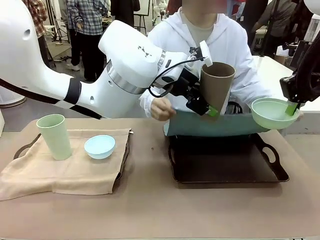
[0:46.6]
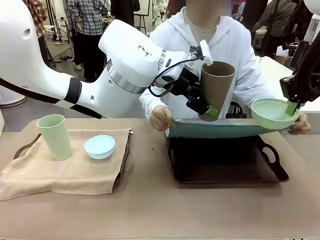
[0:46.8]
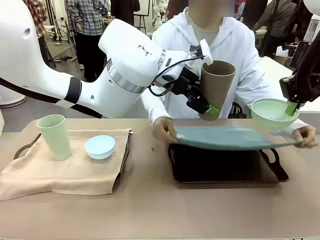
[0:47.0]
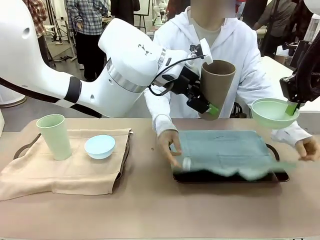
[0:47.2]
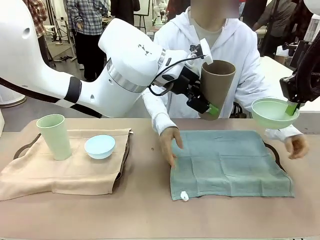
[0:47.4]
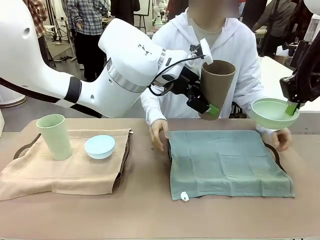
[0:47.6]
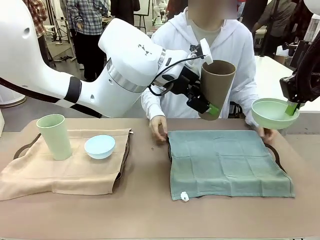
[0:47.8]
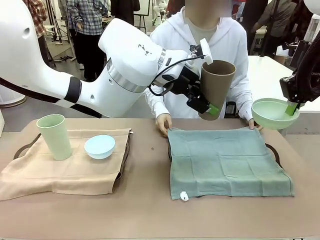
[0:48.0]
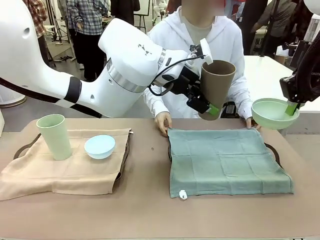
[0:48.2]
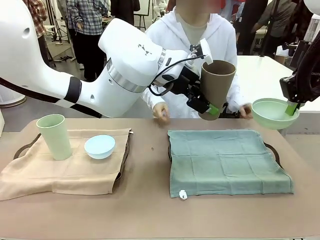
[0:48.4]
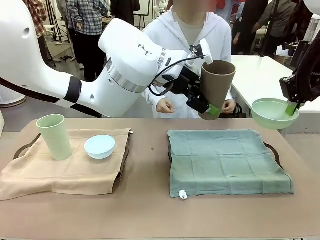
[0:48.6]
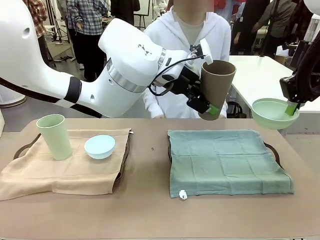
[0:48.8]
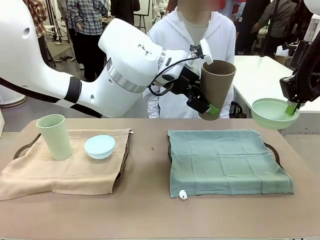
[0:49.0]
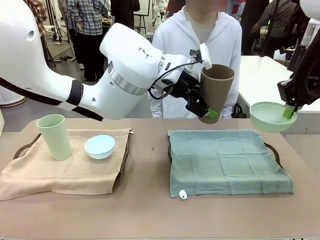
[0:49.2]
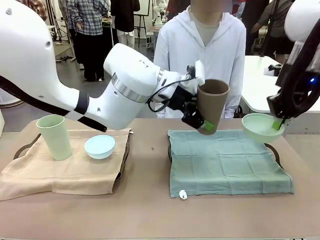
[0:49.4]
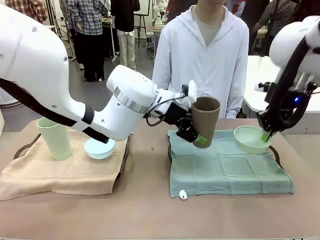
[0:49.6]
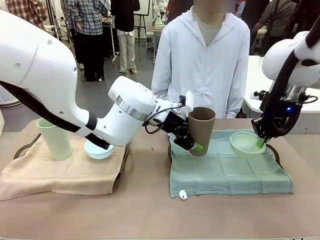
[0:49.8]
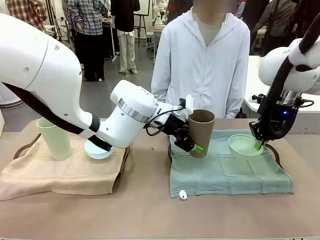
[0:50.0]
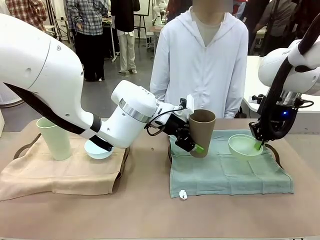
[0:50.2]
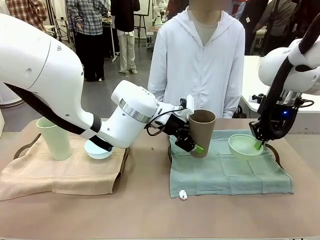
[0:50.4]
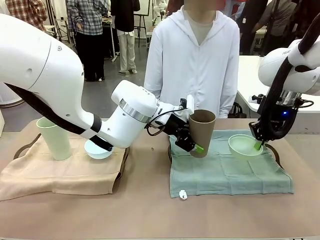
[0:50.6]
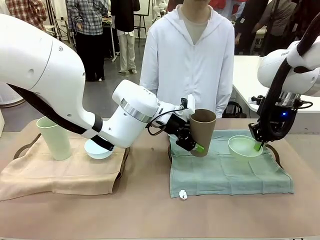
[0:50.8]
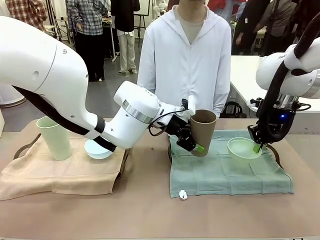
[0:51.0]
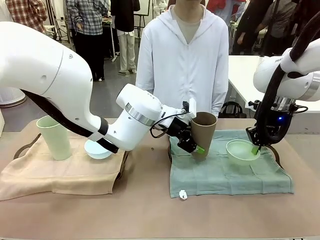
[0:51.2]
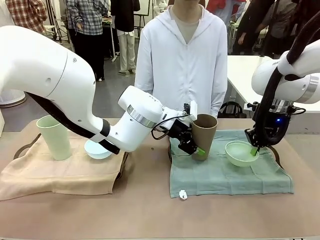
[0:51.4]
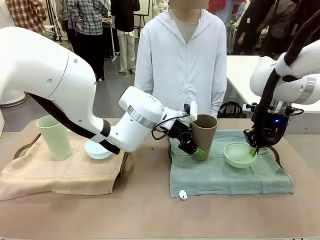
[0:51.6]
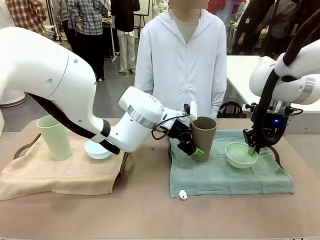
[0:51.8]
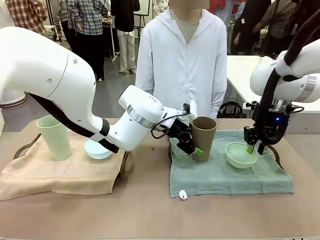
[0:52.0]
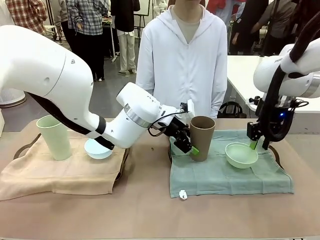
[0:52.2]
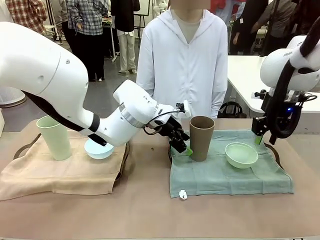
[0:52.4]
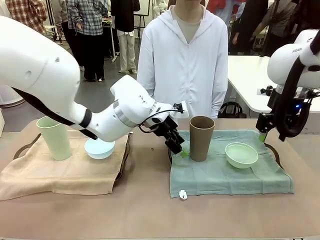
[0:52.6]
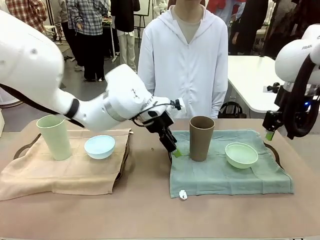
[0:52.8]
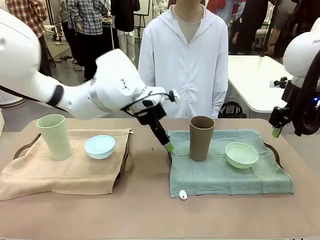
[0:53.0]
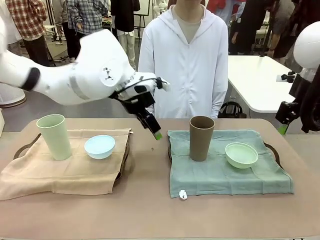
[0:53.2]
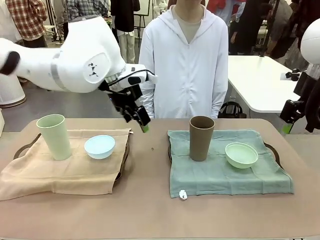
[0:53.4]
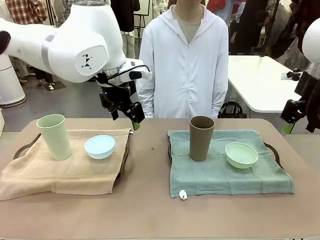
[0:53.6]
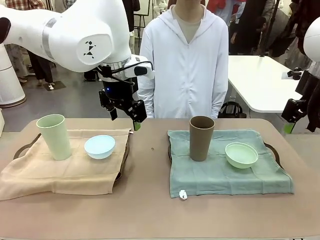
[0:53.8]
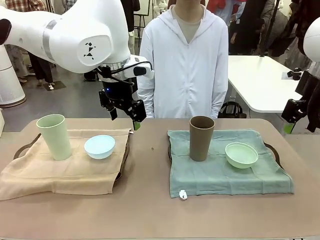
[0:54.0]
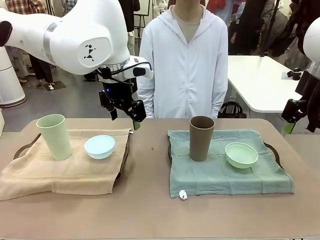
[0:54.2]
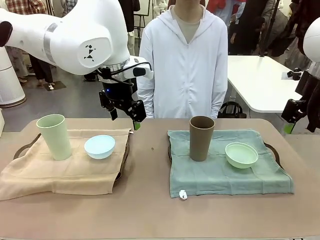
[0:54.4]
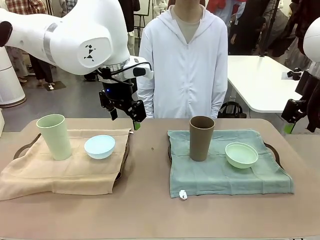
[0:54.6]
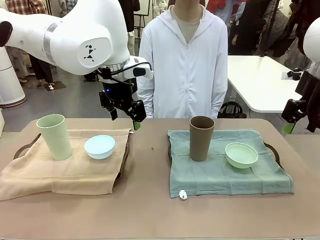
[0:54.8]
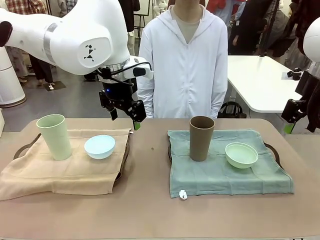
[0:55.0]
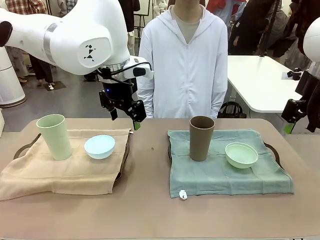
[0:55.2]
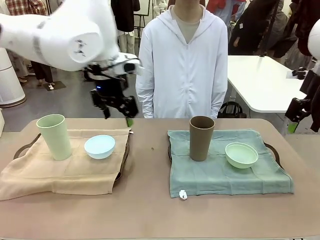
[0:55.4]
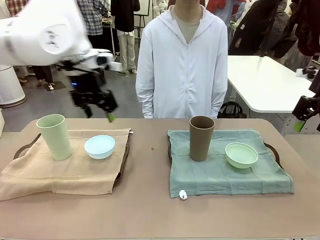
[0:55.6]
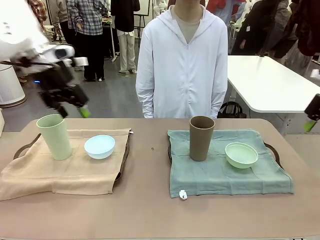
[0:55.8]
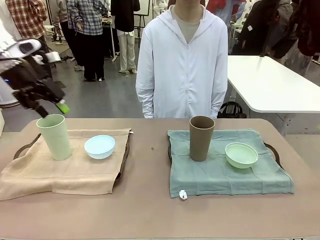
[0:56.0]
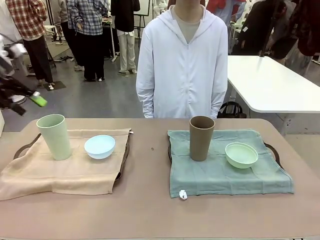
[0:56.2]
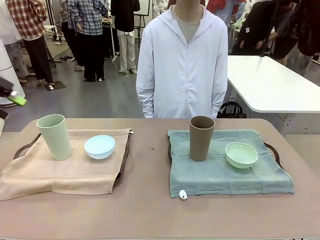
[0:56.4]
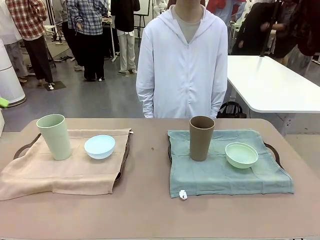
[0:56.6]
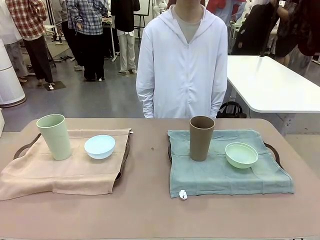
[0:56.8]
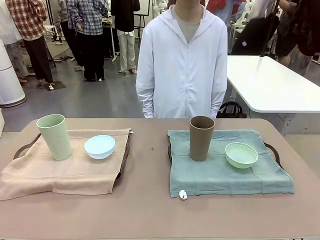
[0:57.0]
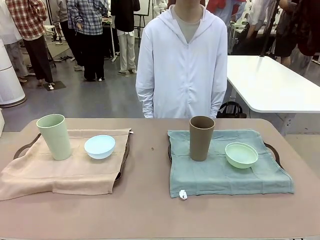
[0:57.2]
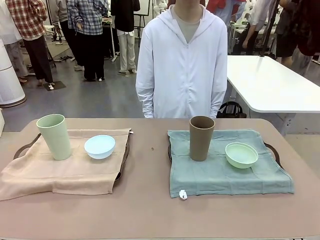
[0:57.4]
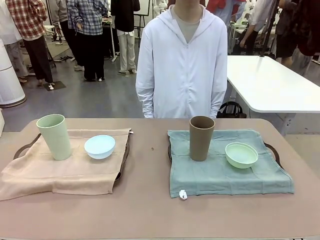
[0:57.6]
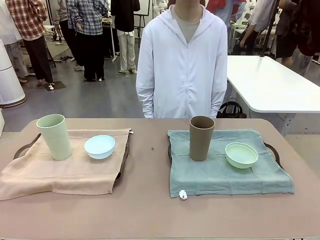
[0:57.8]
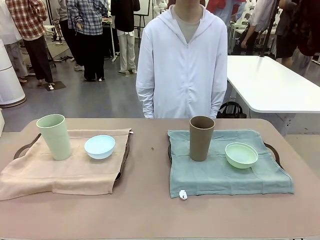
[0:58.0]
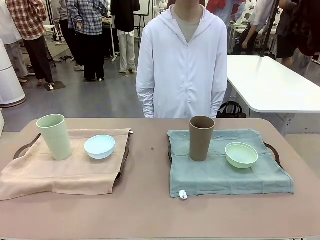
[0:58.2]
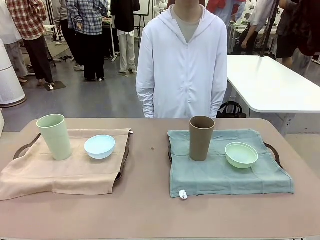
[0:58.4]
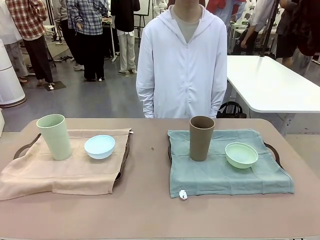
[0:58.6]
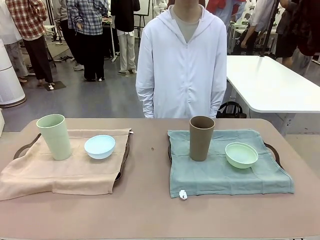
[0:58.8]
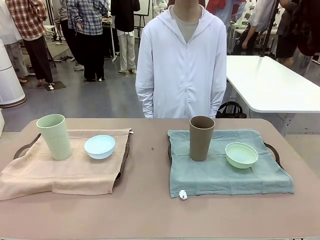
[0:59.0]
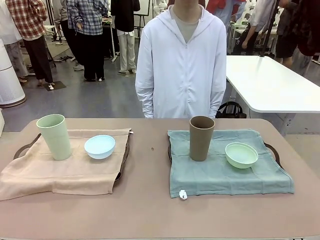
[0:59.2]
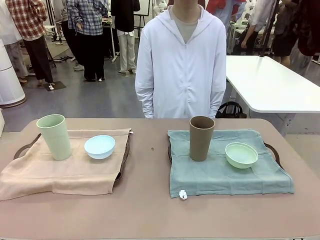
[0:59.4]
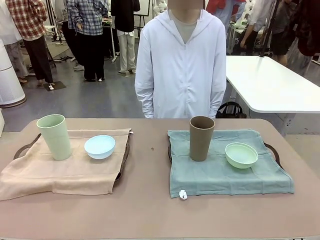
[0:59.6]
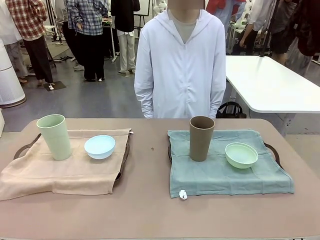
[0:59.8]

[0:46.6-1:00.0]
Robot: Place the Picnic Bowl and Reusable plastic cup back onto the Handle tray in front of the human's position.
Person: When the robot lifts the bowl and the cup, the human unfolds the napkin and lays the napkin flat on the tray.

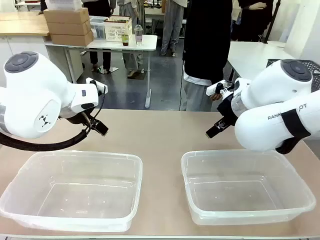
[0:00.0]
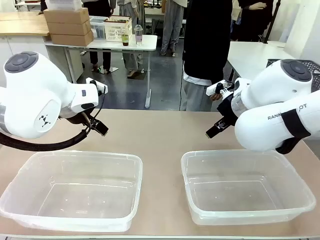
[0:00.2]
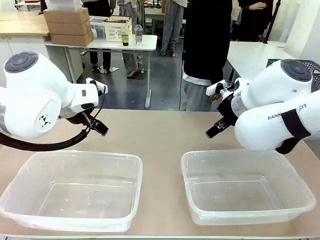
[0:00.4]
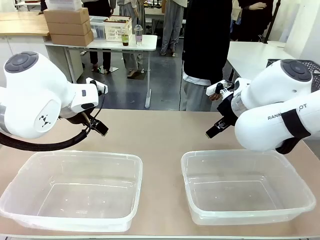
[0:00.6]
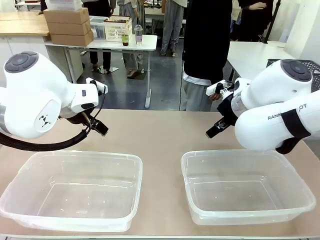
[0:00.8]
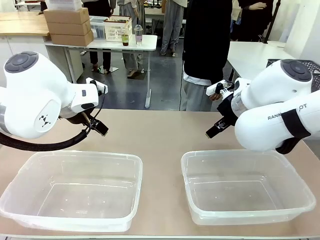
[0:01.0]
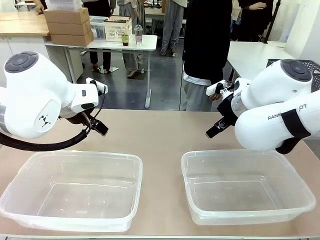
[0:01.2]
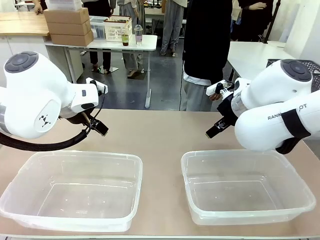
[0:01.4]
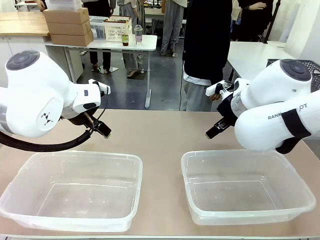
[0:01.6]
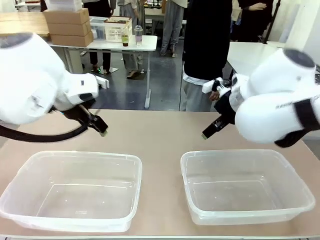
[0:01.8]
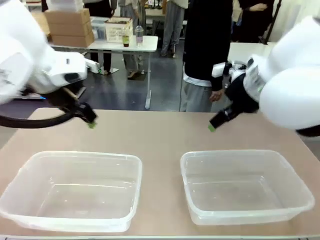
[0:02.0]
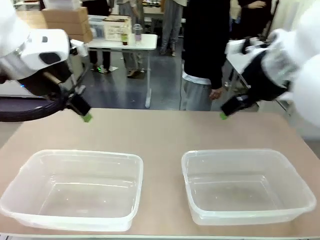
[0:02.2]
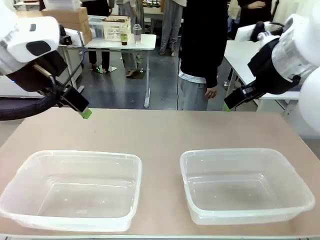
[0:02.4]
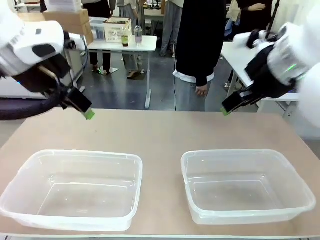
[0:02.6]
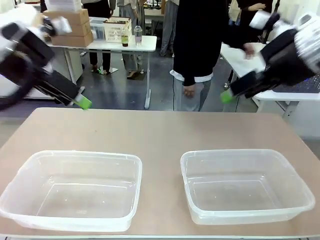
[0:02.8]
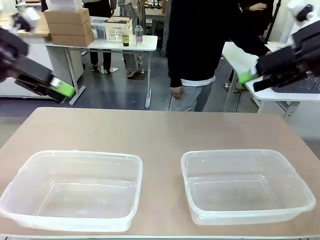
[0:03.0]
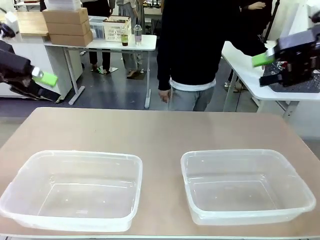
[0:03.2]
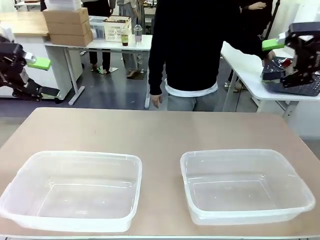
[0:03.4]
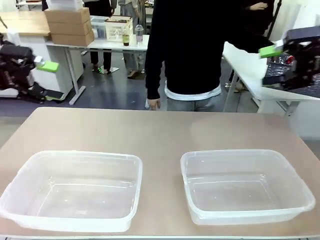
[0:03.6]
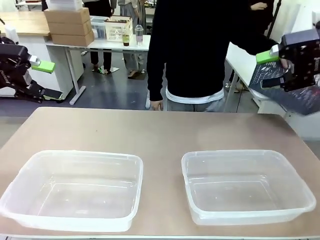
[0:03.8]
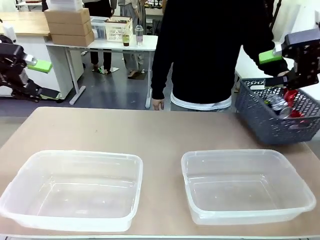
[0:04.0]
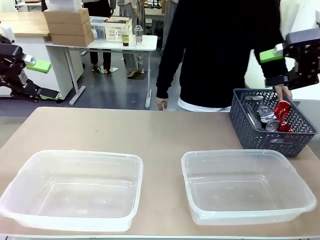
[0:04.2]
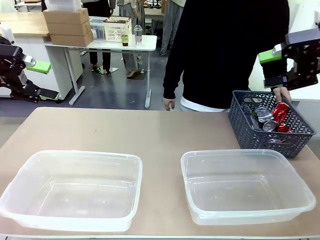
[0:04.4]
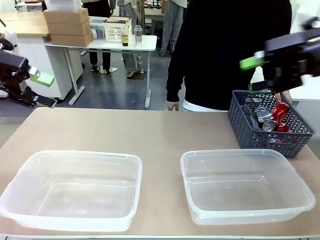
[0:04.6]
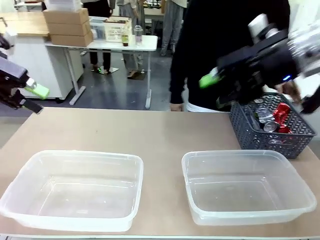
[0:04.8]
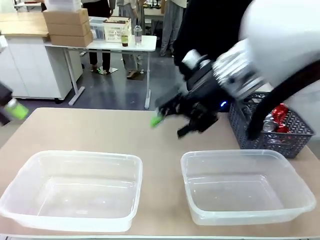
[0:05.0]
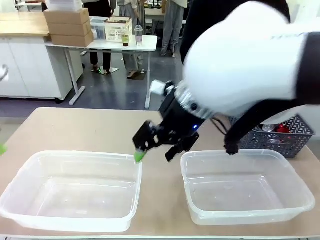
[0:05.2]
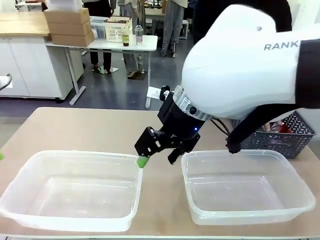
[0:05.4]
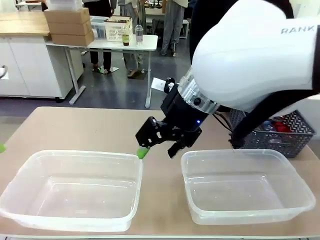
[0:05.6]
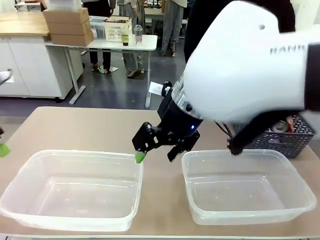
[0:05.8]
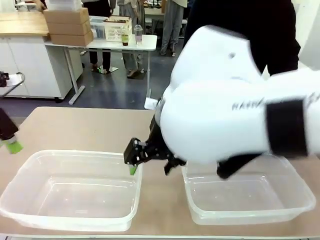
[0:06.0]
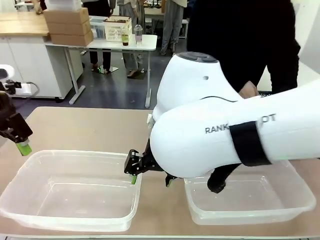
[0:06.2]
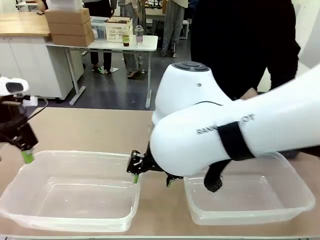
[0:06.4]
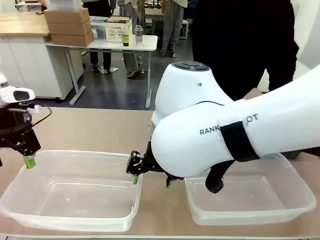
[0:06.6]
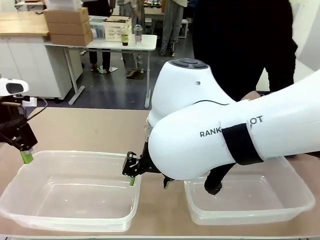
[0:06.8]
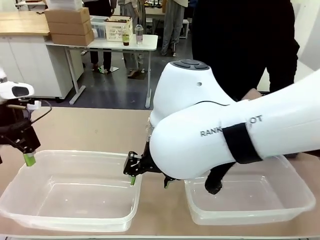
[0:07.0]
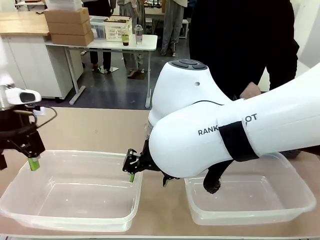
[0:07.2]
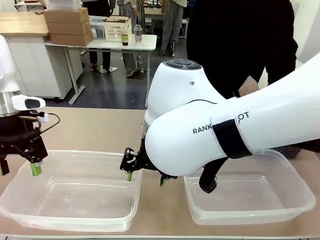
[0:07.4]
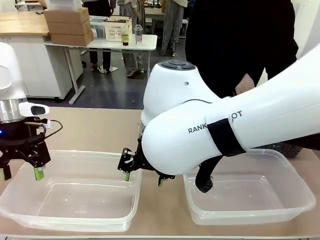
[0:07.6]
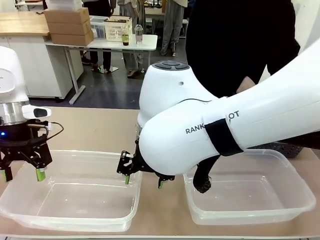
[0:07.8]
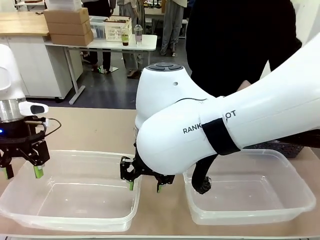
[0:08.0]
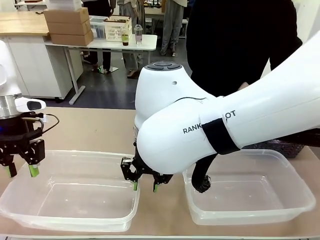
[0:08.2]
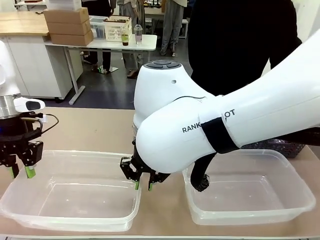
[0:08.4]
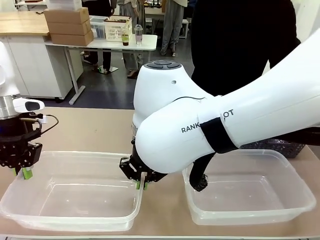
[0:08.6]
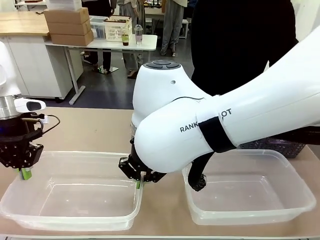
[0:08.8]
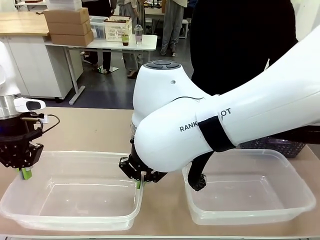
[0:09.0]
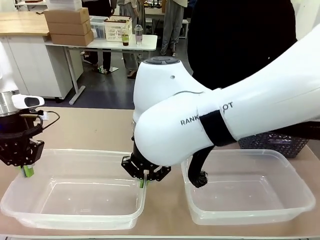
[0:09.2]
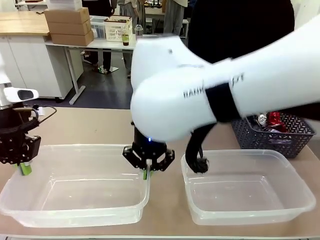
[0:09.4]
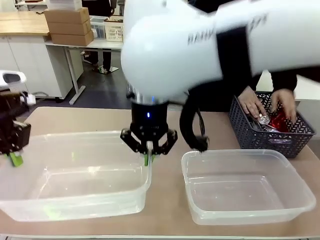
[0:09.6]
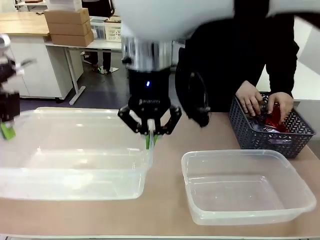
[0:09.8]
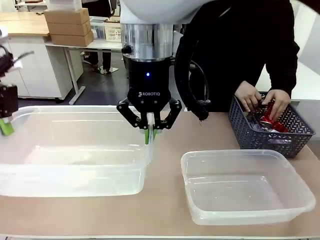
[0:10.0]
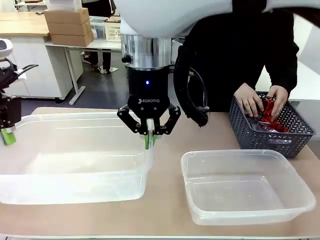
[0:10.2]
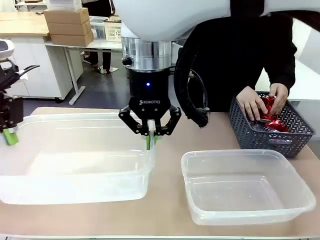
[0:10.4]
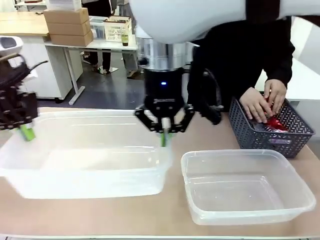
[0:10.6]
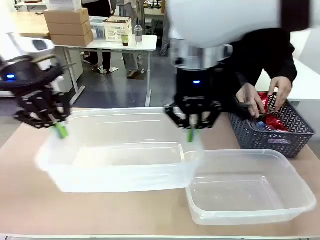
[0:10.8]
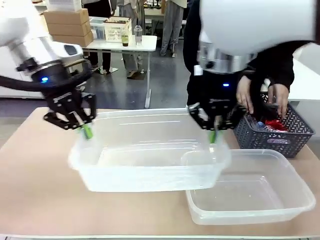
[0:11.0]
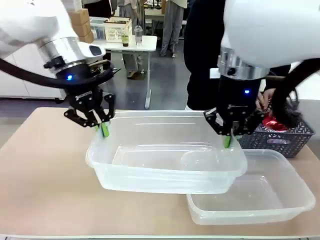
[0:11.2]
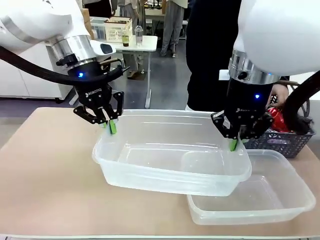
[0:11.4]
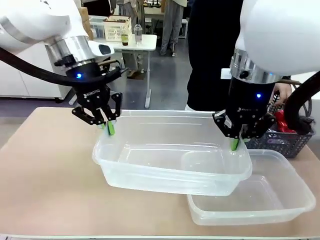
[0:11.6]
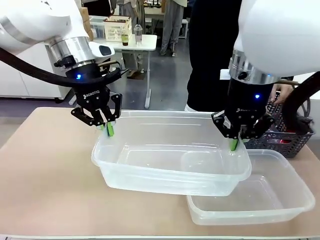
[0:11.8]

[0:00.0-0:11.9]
Robot: Pick up the Organizing box on the left side of the table and lift it.
Person: Pick up the storage basket and place it on the left side of the robot table. Pick up can-shaped waste one by one and place it into the organizing box lifted by the robot.
